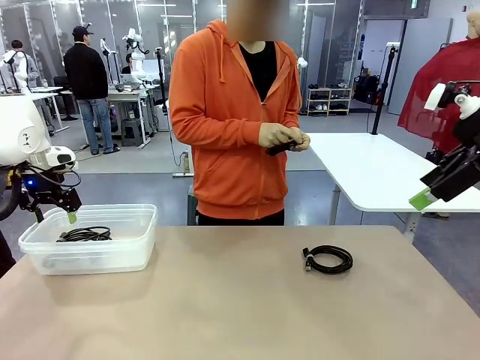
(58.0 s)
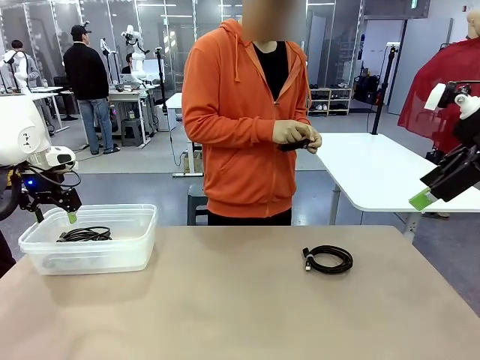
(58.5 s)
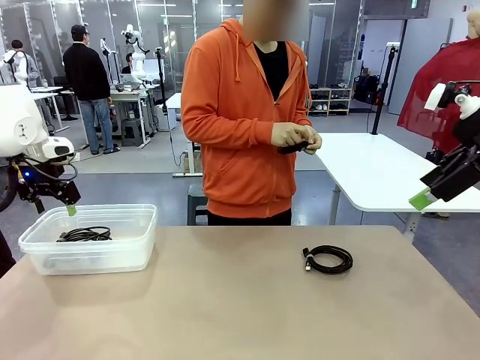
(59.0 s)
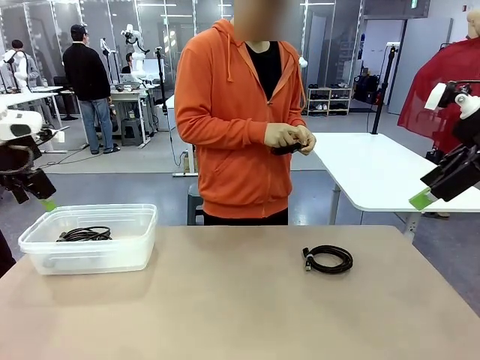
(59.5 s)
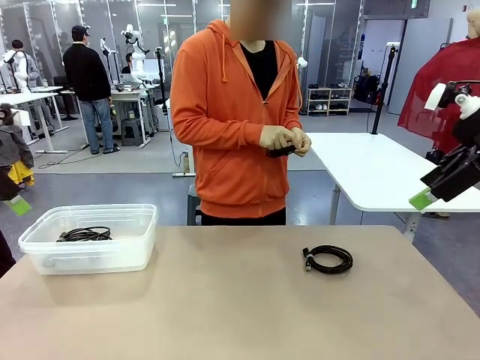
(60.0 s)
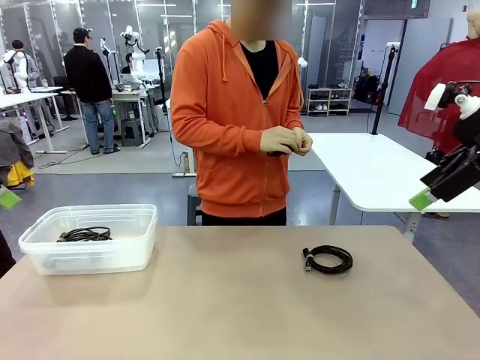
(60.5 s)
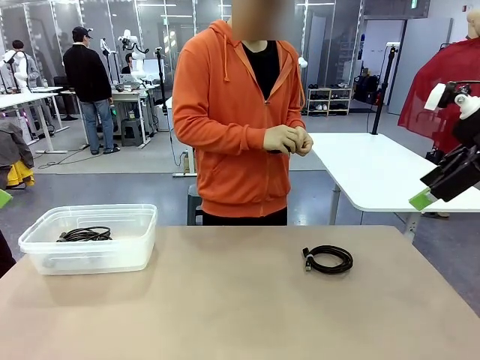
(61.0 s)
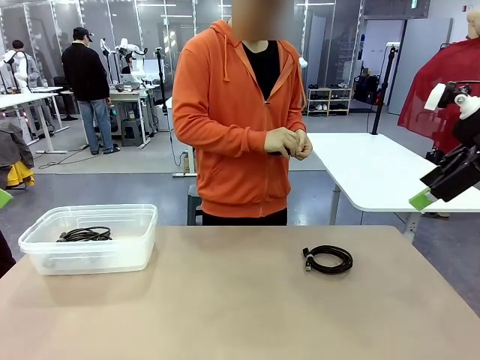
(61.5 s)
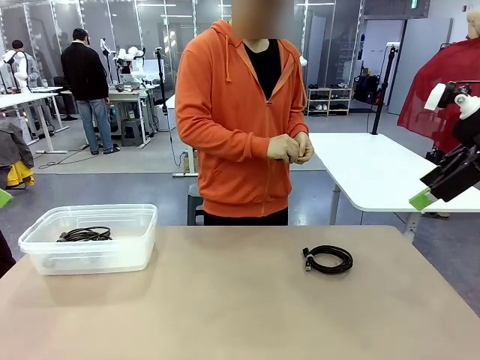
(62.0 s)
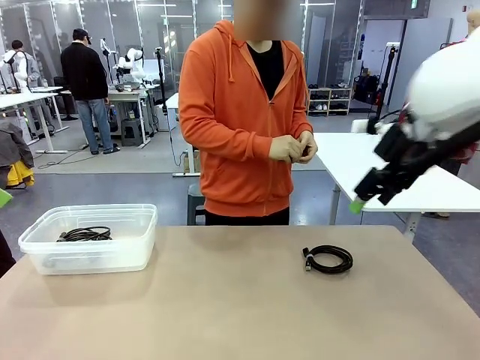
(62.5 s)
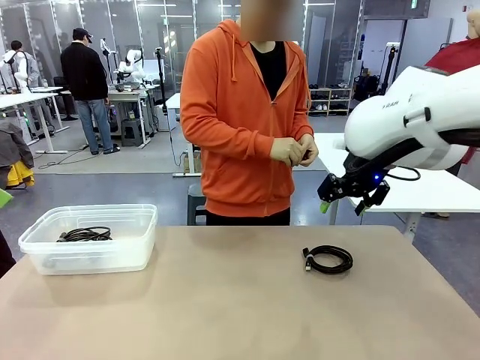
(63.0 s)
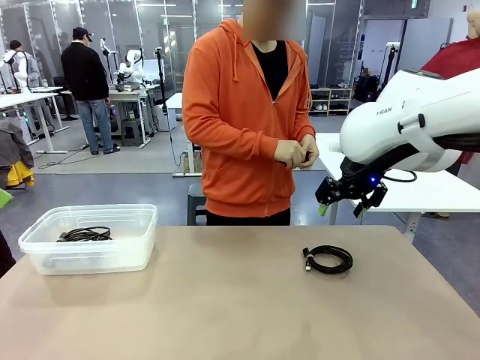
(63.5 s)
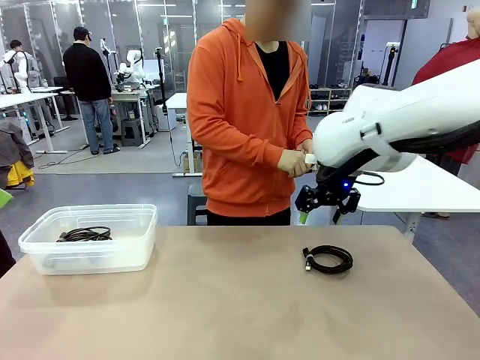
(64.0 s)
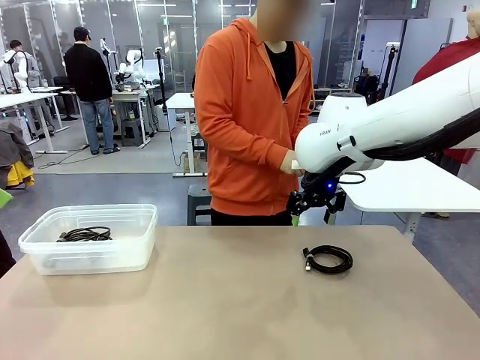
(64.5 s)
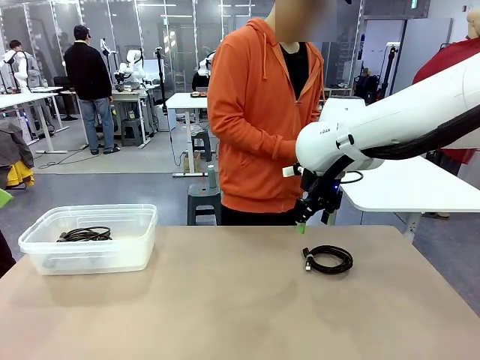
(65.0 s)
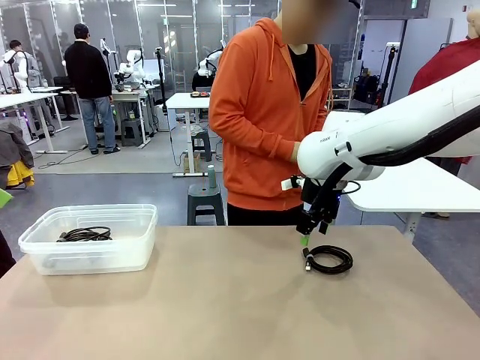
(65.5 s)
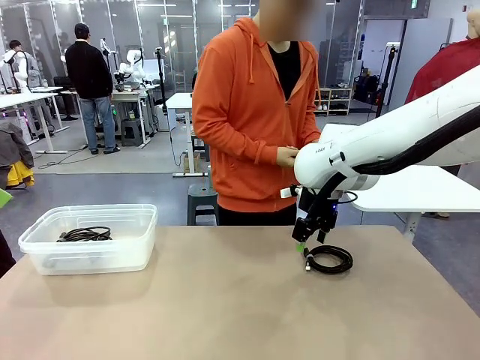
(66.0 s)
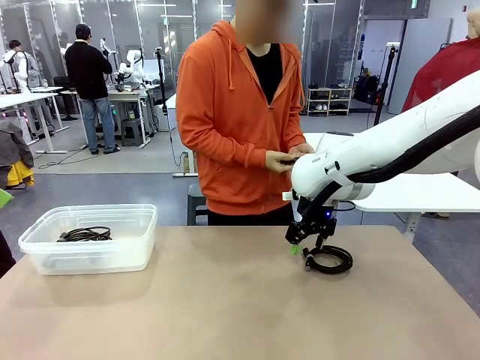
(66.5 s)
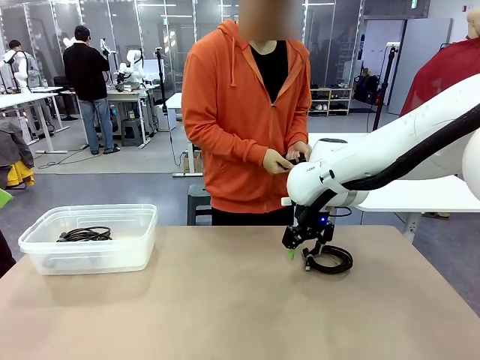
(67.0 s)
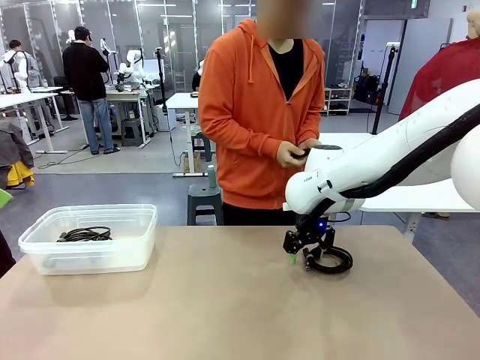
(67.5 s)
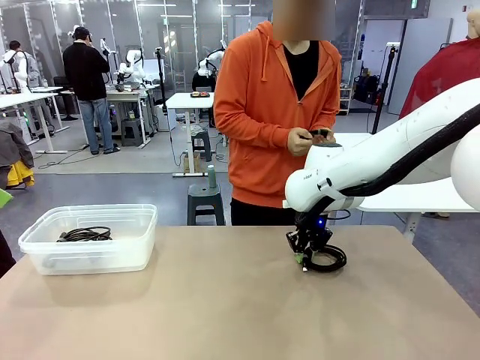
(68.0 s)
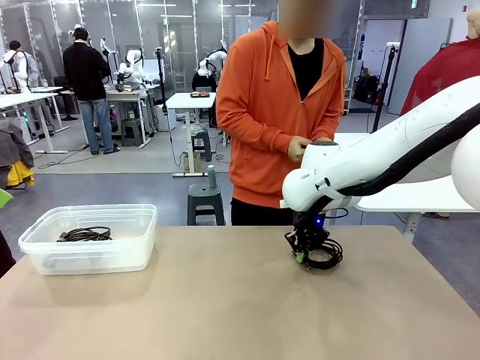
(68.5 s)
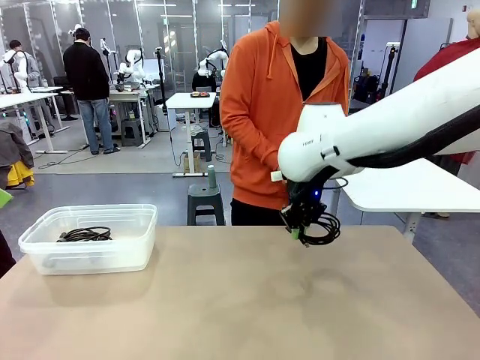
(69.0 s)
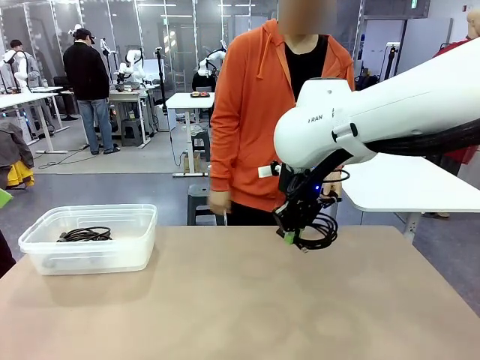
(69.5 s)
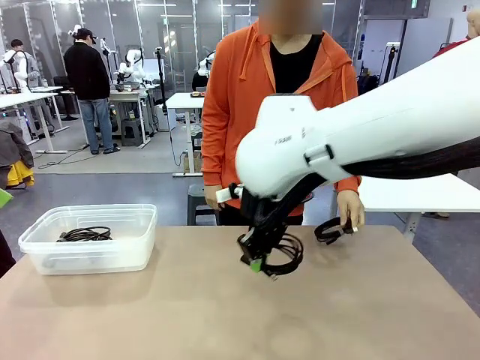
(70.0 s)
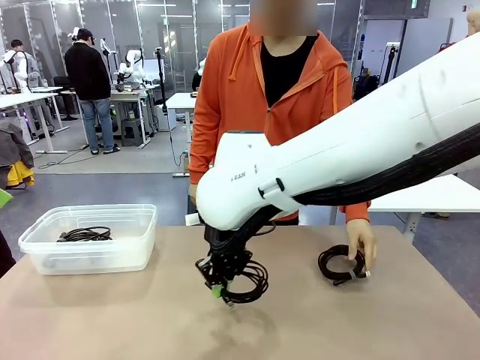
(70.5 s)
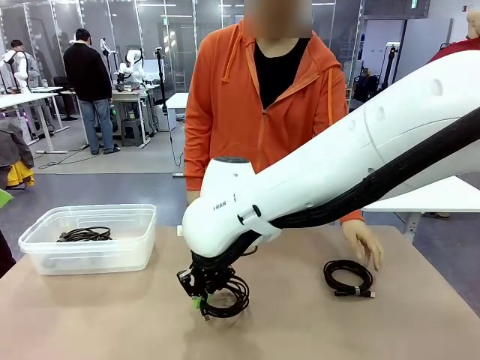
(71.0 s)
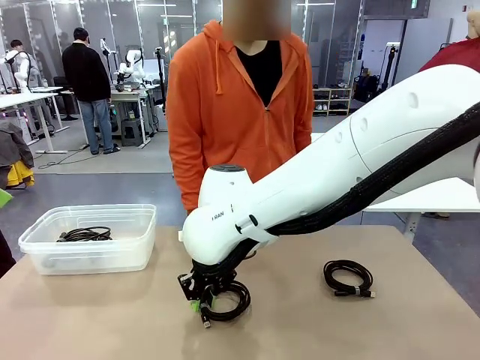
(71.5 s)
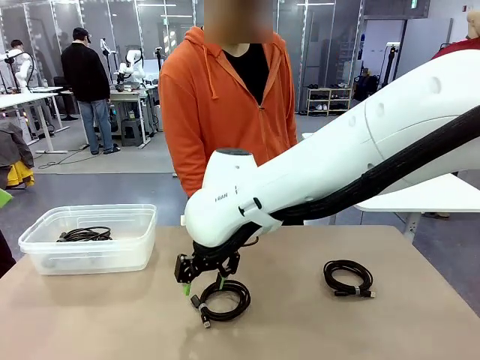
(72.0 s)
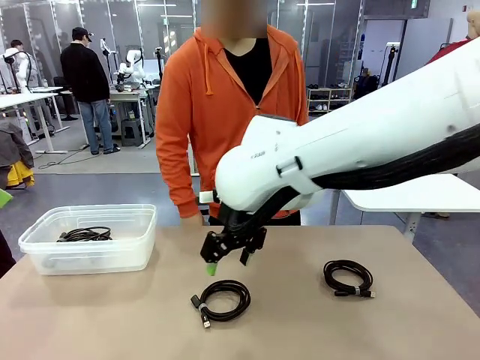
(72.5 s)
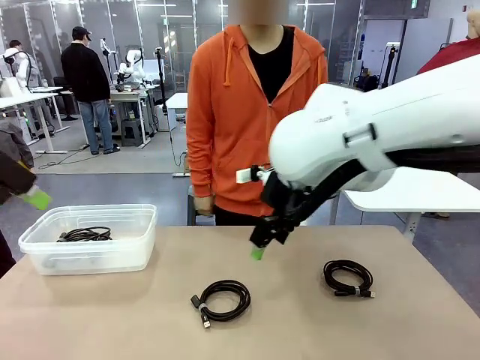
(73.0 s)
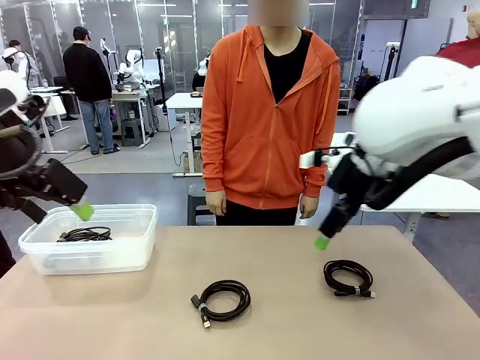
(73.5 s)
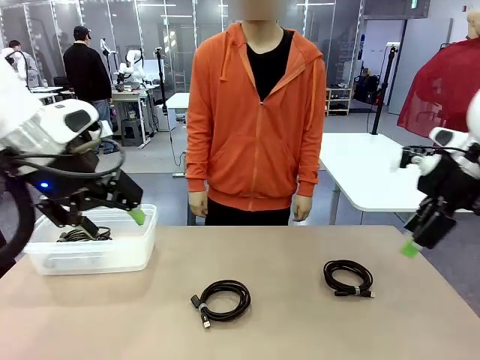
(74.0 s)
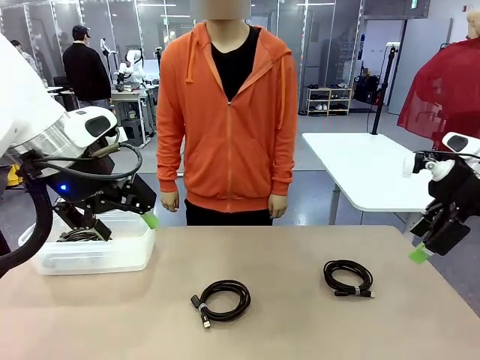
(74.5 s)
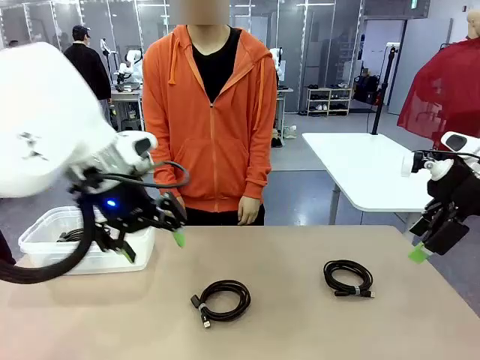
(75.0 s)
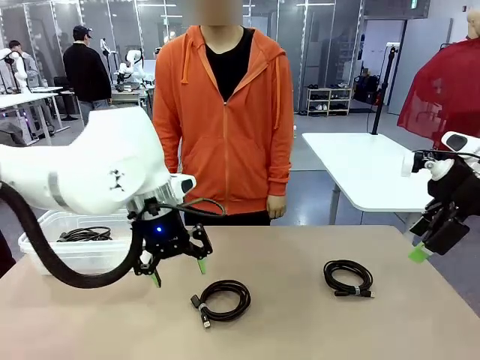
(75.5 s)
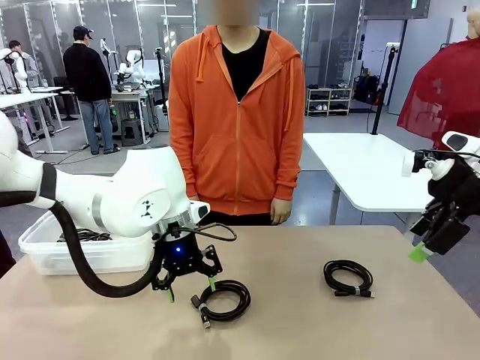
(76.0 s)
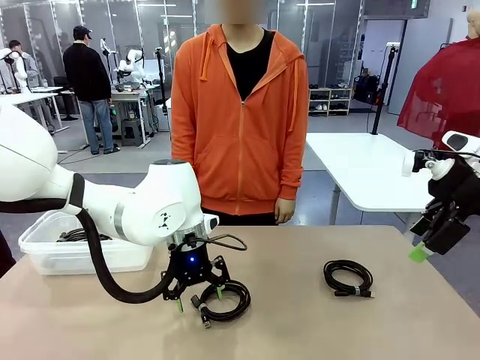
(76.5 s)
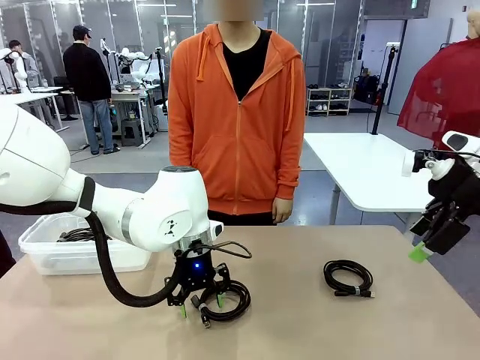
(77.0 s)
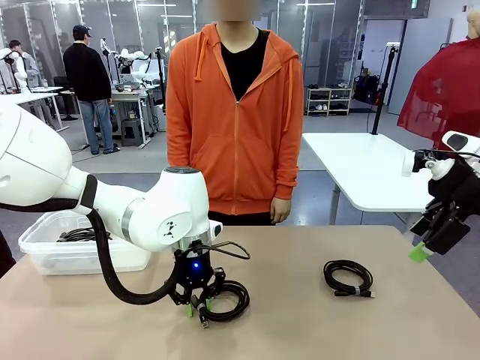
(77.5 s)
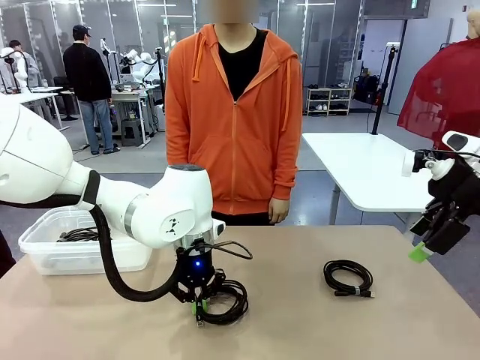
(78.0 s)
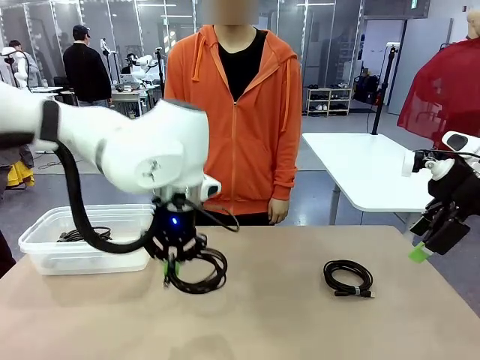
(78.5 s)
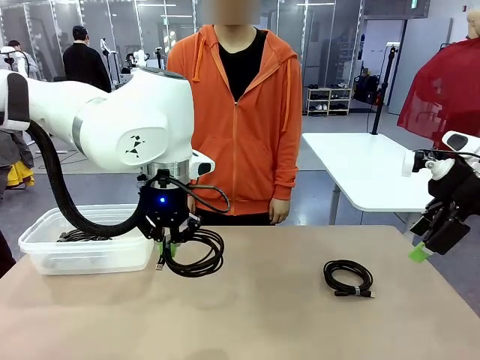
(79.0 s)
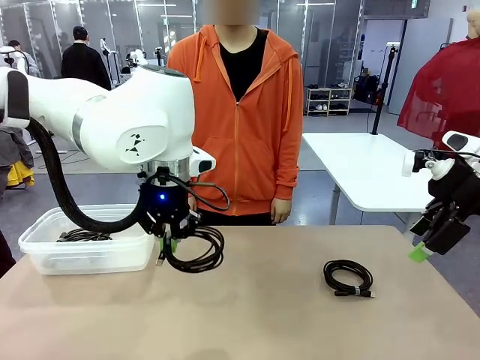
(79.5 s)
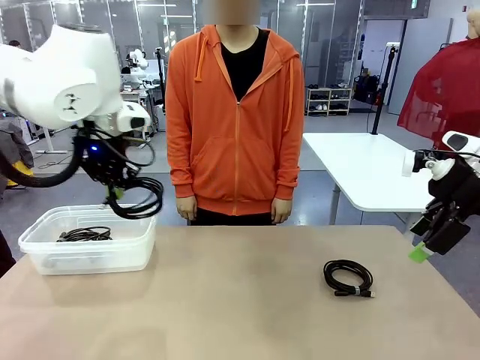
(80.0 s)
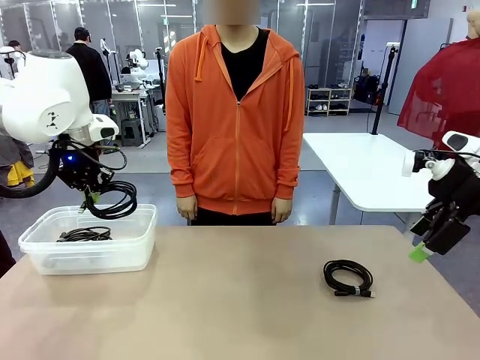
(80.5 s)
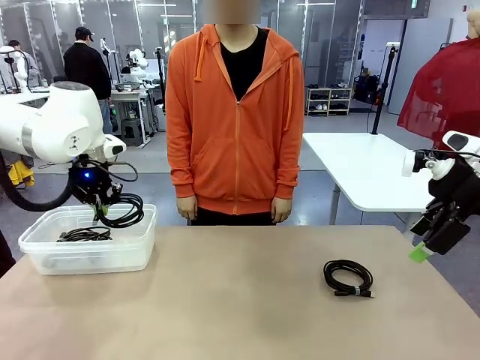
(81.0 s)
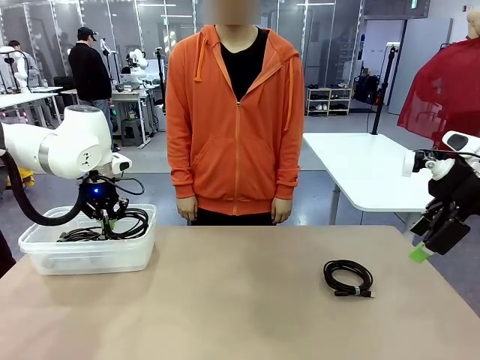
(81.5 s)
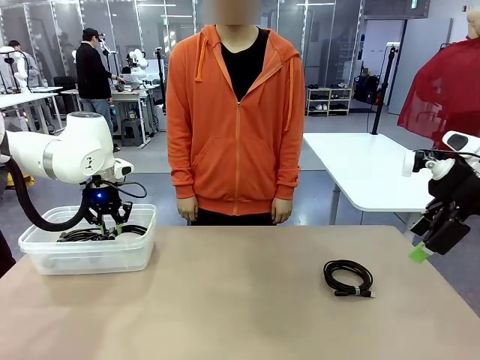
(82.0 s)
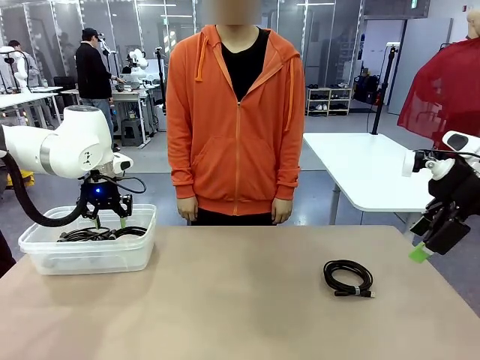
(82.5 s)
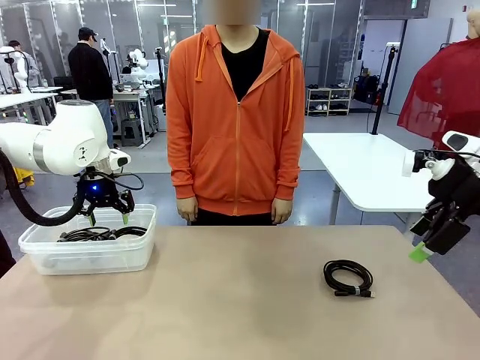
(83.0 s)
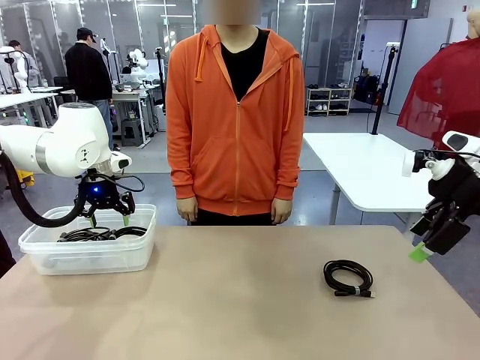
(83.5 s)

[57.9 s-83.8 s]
Task: Organize and store the cables.
Robot: Place the USB Extension Cable into the Organizing box.
